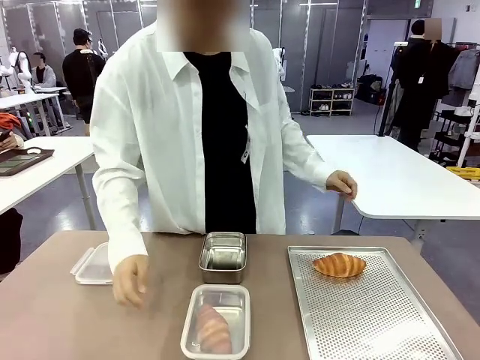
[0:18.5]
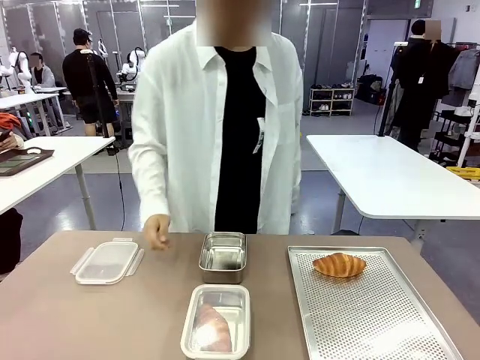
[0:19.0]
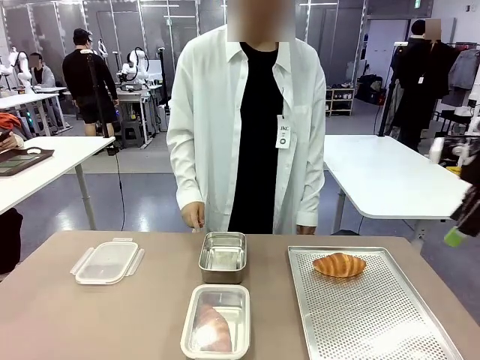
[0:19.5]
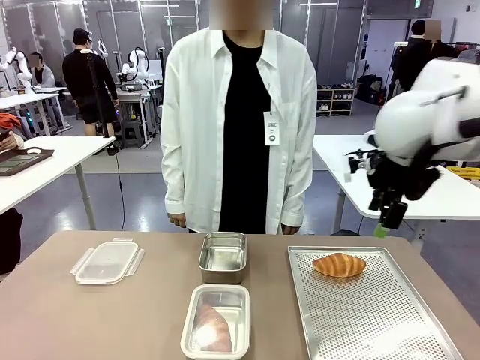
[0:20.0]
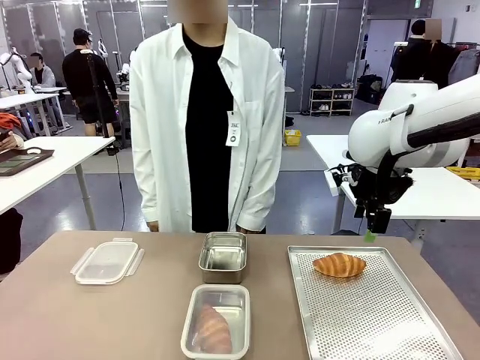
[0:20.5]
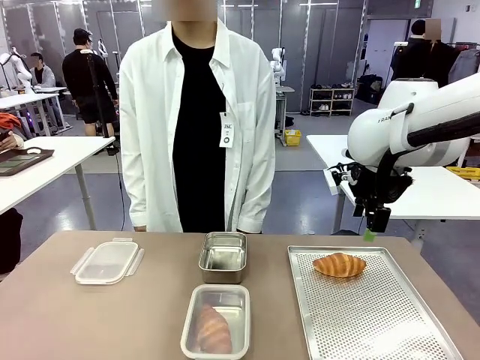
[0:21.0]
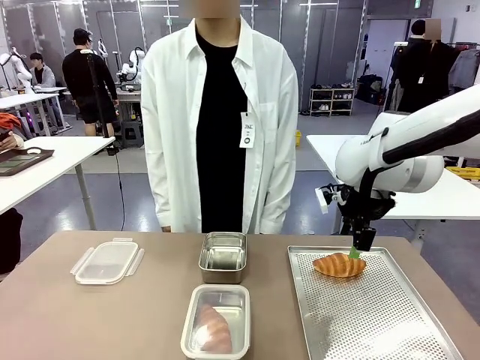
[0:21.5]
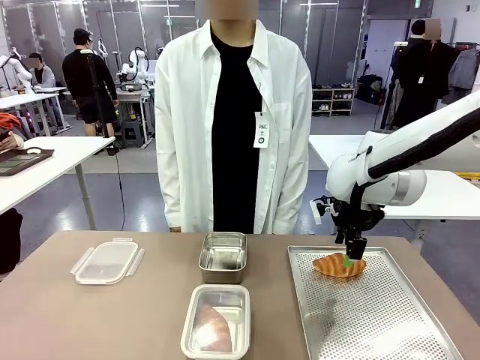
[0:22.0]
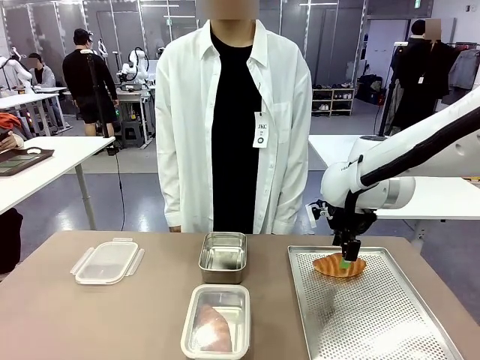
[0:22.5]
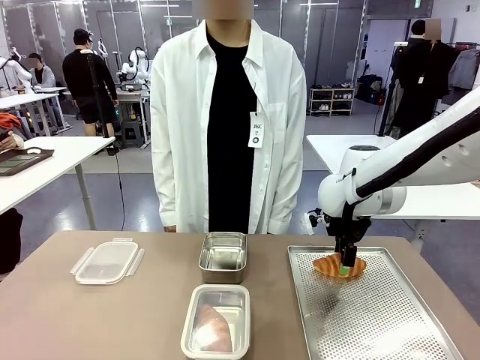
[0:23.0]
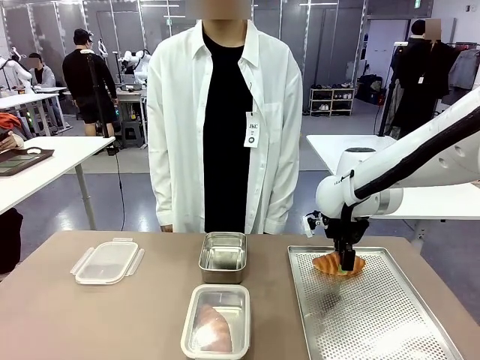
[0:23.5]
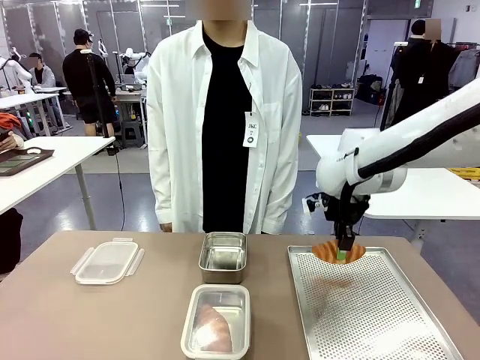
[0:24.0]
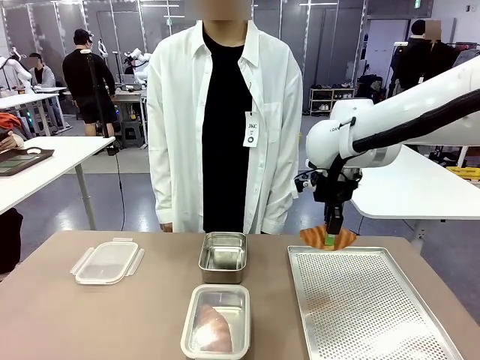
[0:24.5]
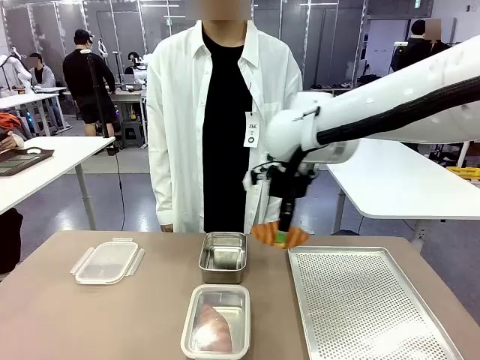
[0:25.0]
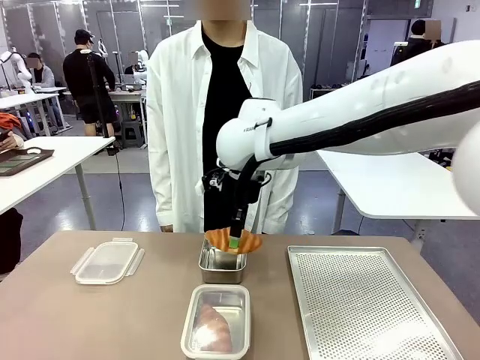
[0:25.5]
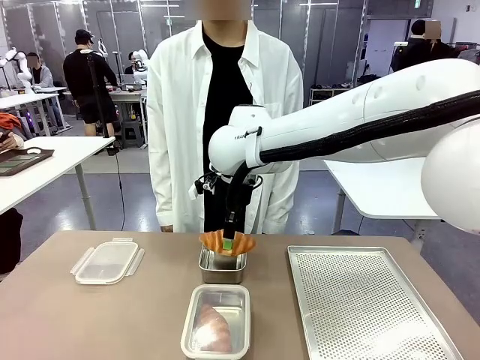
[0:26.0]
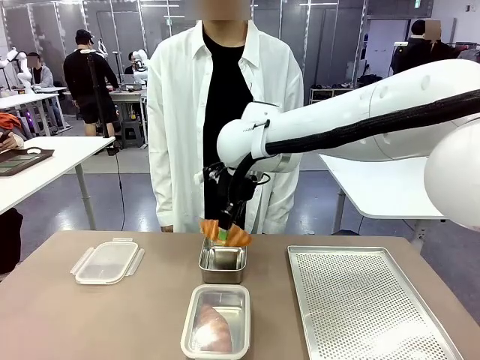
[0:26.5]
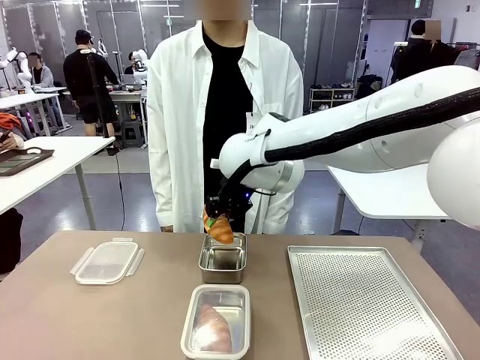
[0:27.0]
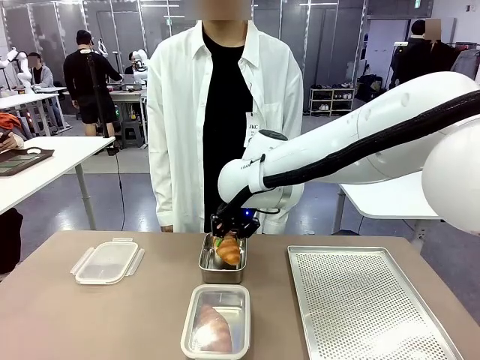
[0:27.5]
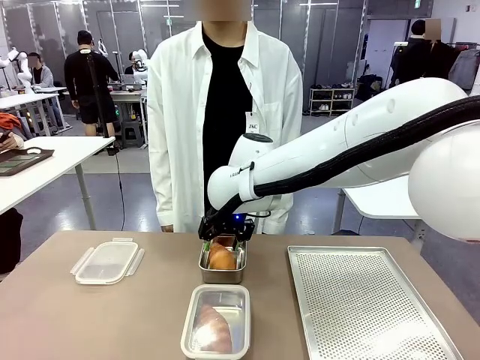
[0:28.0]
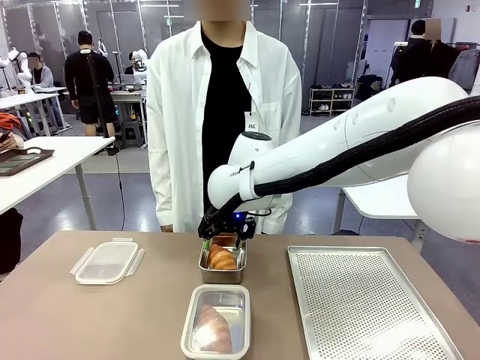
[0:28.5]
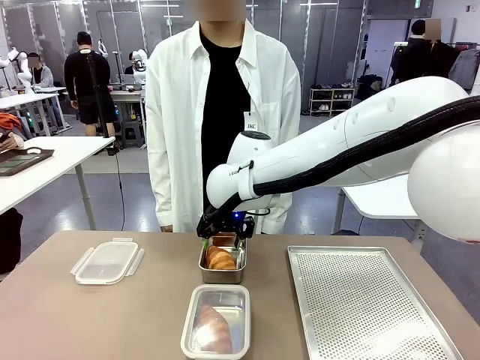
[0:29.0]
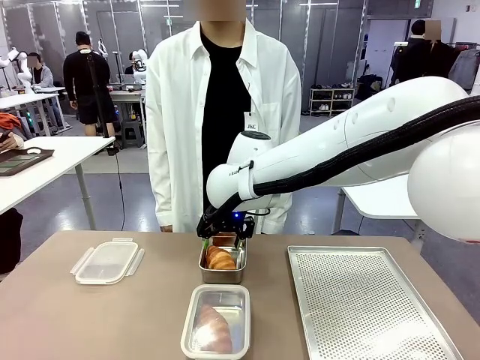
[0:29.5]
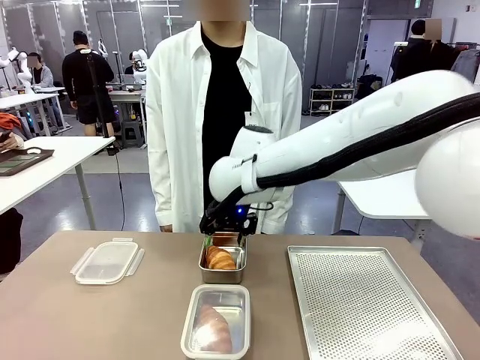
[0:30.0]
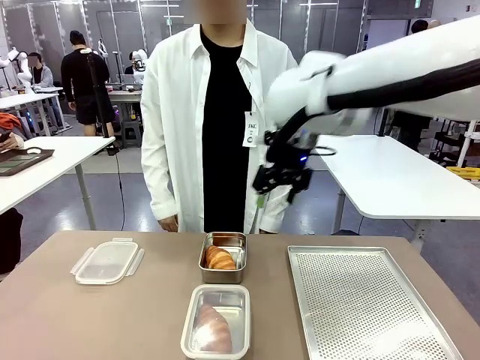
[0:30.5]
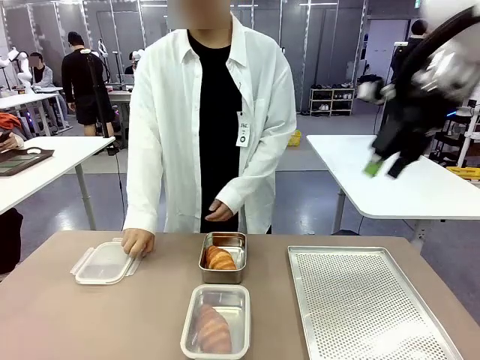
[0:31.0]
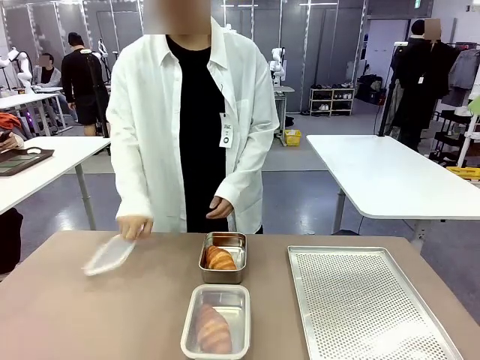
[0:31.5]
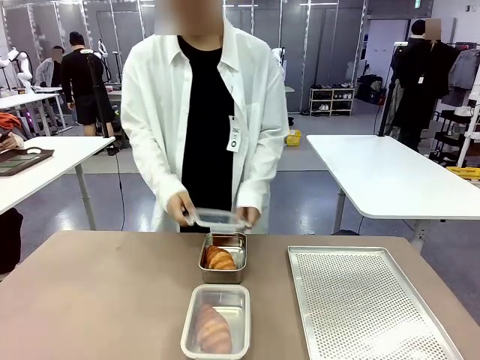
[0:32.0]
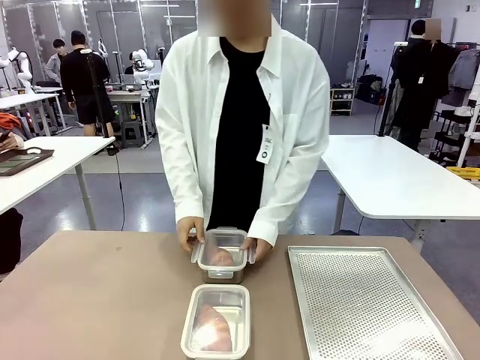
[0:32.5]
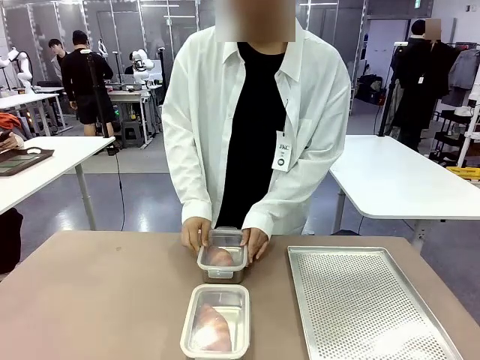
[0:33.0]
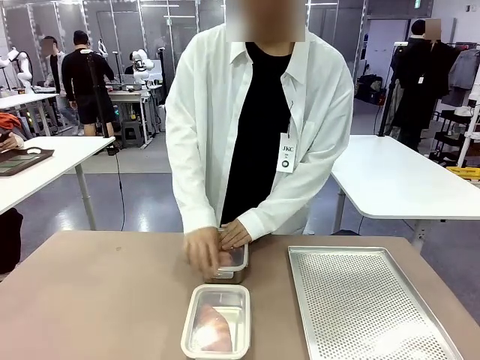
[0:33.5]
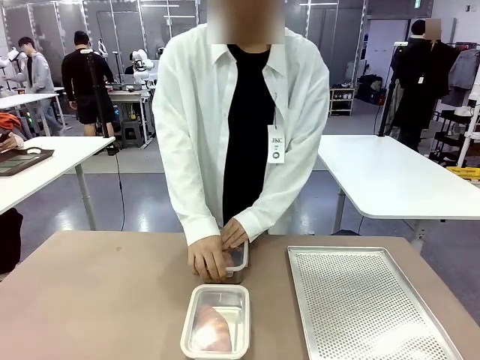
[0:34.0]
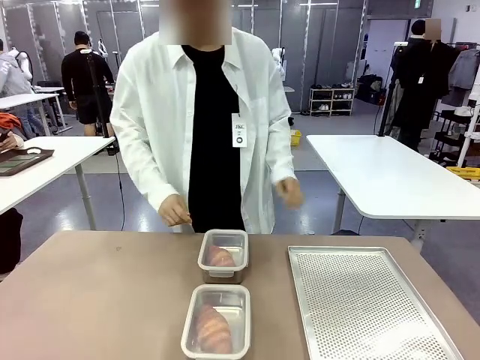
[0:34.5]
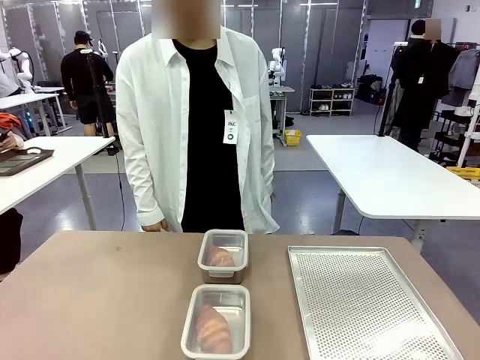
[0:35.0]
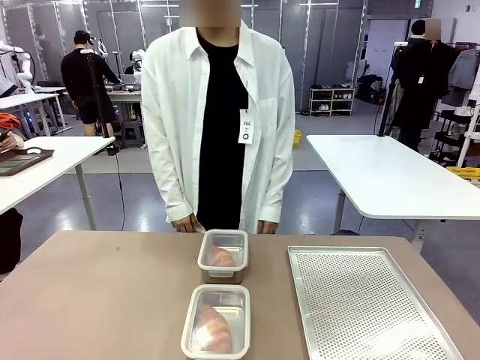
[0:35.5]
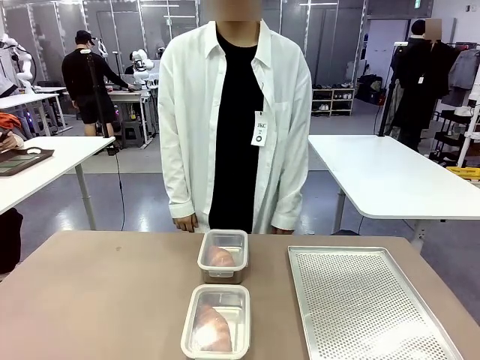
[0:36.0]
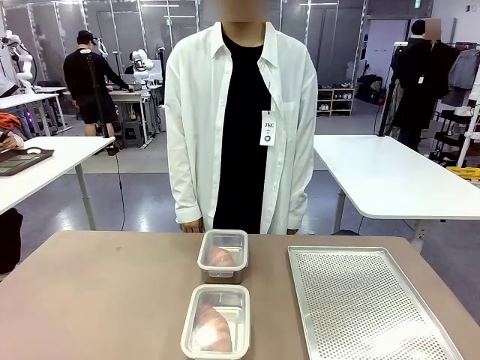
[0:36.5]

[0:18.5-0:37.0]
Task: Place the bread into the airtight container.
Robot: Pick up a Butter Roll and place it into an empty Airtight Container.
